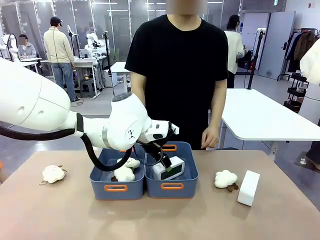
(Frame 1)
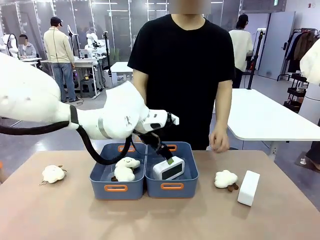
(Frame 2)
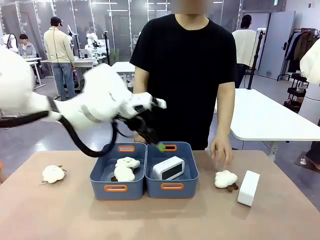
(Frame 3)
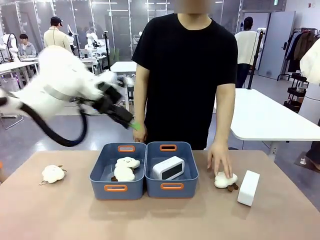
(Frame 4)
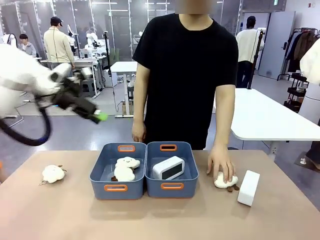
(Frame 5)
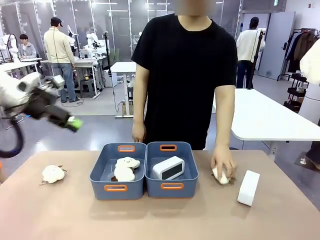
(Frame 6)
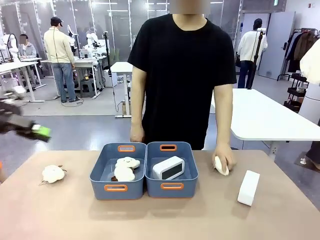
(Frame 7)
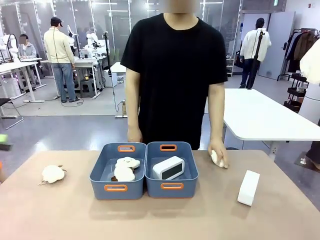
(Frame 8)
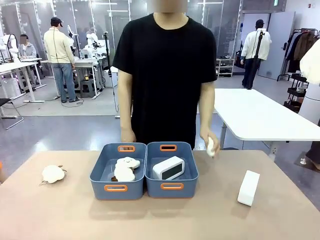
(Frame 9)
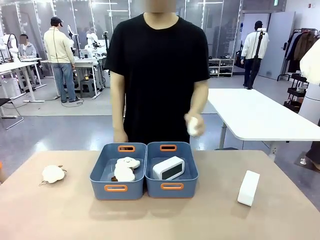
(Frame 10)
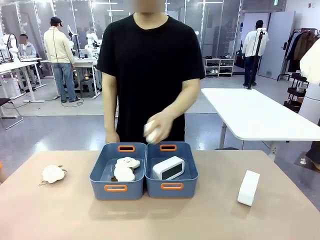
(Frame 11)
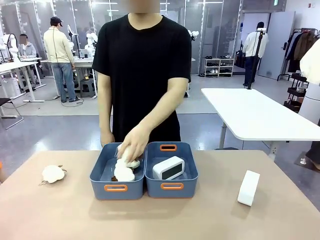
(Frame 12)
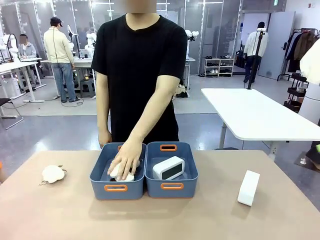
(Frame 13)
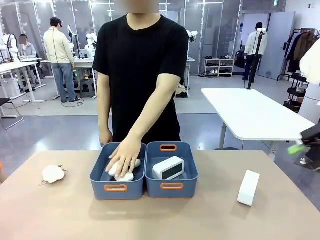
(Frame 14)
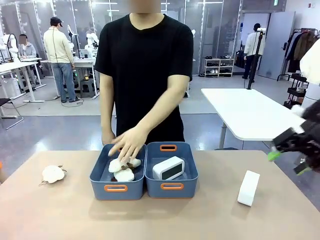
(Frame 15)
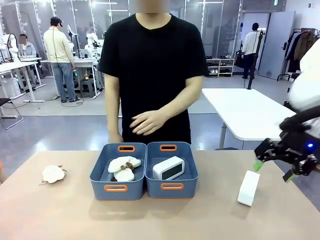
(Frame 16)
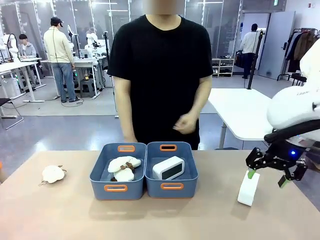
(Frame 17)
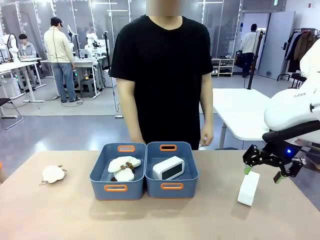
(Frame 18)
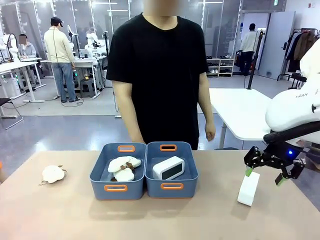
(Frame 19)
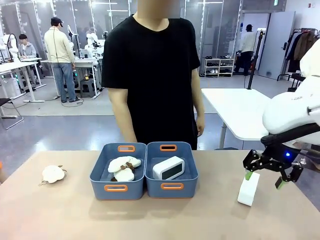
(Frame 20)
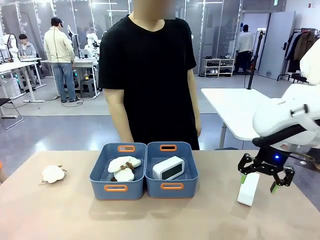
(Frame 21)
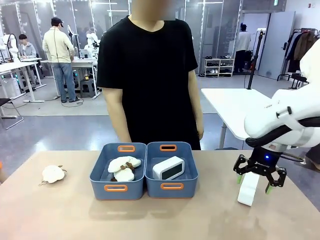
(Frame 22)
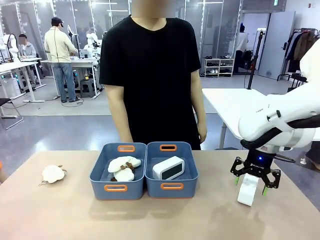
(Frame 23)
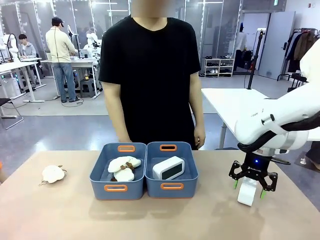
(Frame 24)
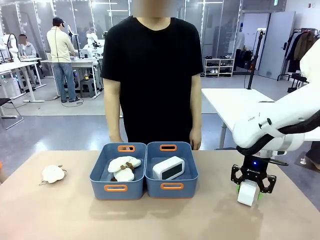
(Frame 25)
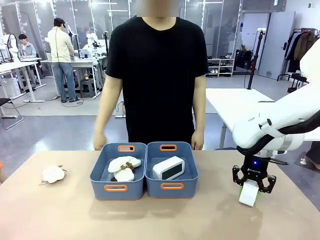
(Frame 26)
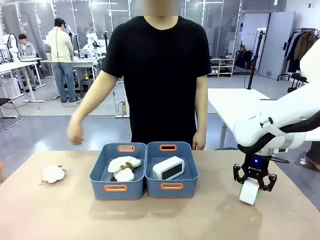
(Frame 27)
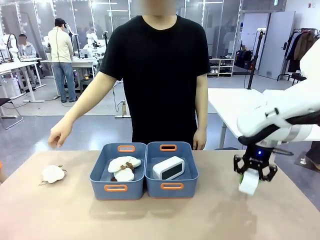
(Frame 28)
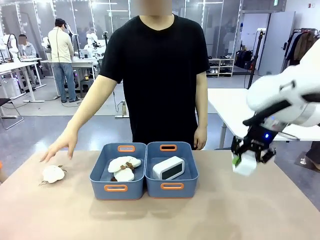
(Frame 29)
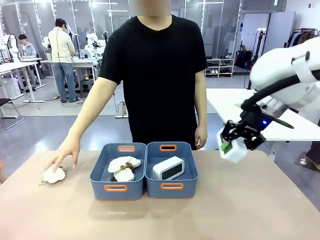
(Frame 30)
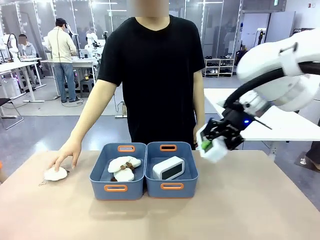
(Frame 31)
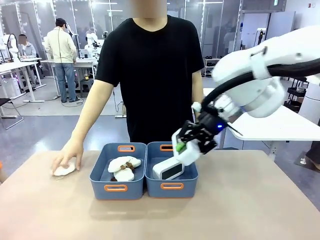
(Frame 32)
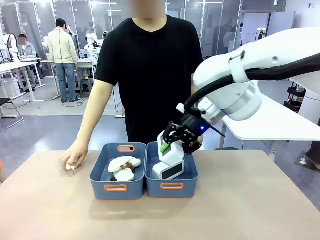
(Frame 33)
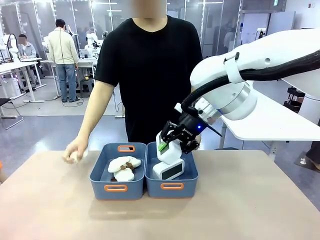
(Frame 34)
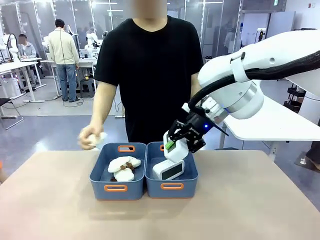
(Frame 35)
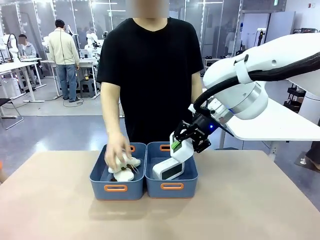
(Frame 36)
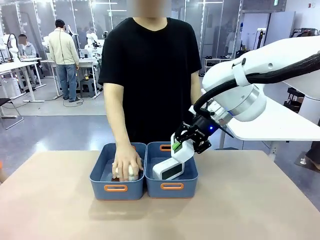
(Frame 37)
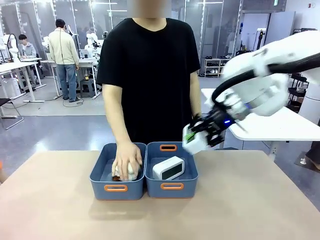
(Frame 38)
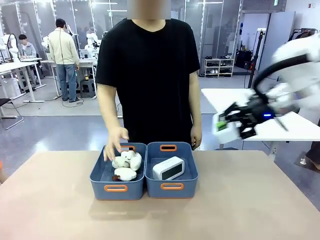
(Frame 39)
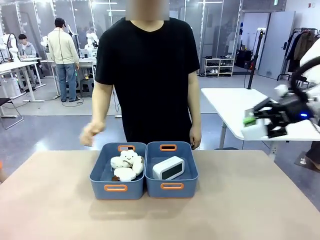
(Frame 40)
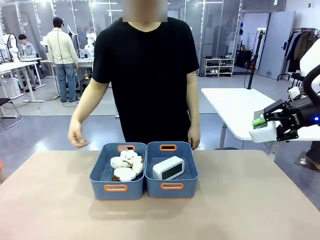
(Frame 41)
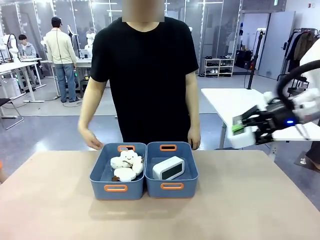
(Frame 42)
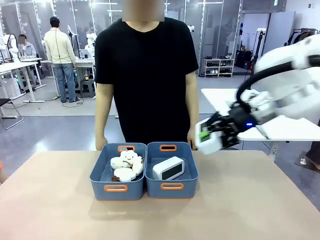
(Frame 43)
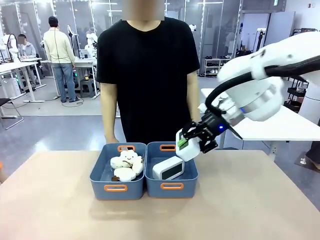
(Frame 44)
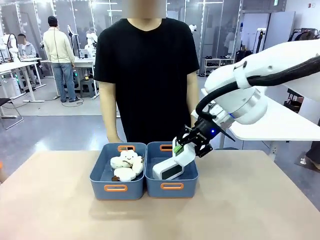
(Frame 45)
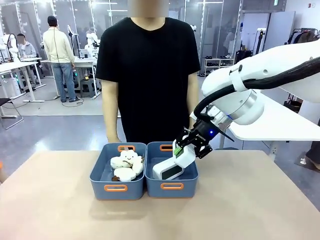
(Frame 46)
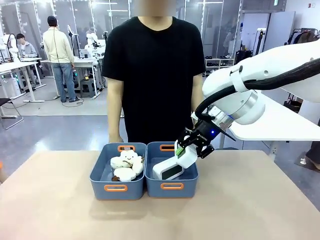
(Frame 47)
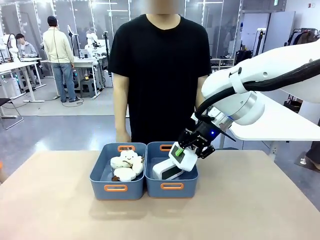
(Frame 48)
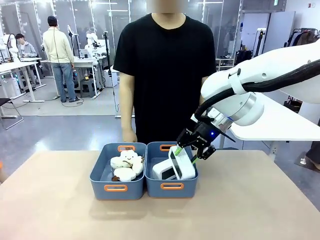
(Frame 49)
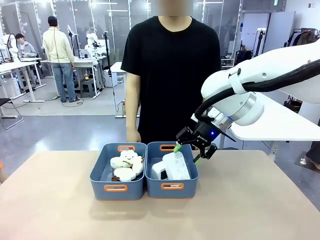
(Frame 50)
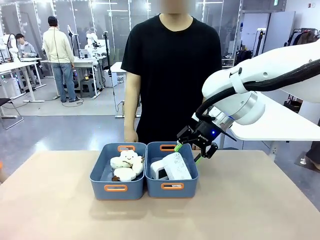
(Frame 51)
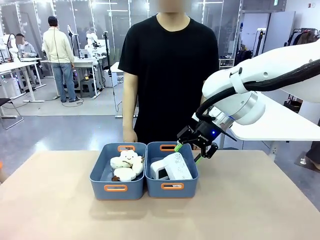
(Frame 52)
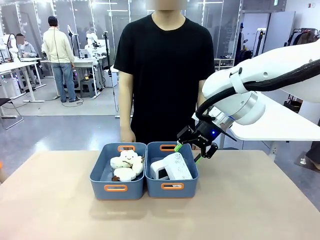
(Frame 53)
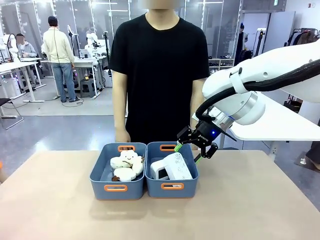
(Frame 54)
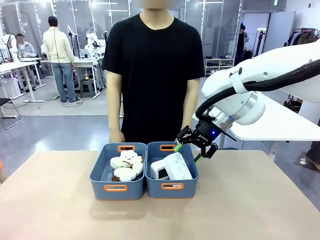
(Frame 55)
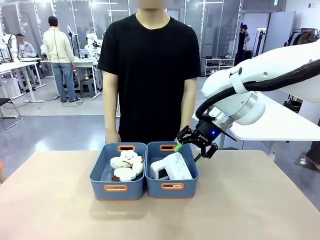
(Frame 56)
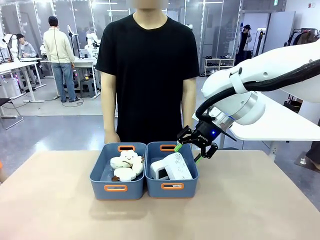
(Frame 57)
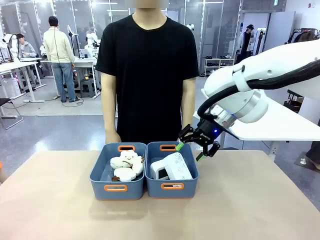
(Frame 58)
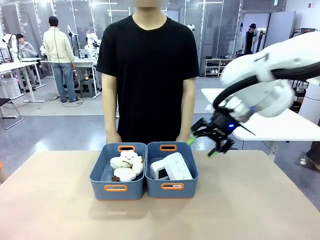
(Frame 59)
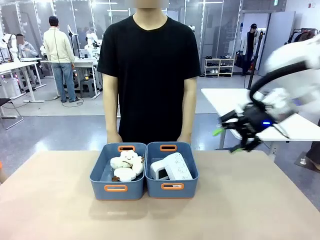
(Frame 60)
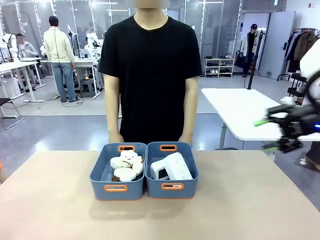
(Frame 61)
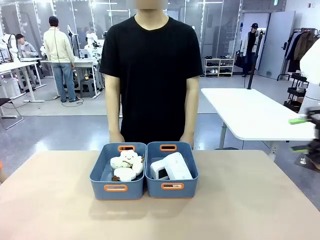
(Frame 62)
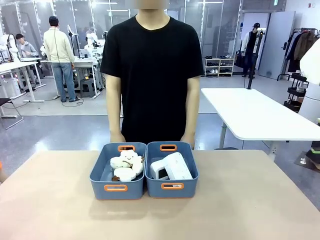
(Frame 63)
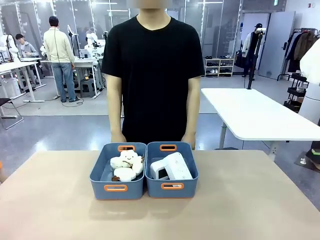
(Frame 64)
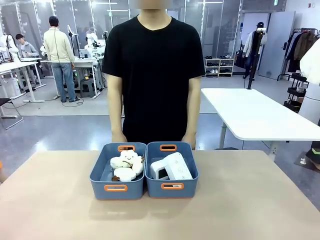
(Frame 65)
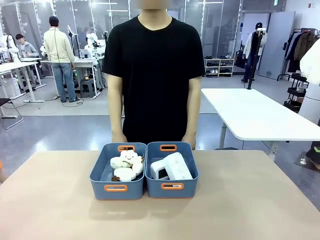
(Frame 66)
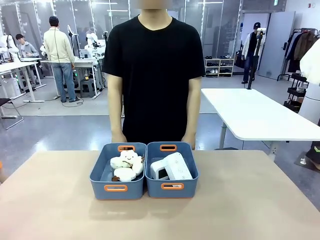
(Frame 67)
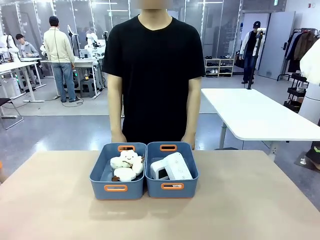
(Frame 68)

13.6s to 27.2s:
Task: Sort the digital clocks into the basket.
Robot: Pick up the Digital clock from the table and place it into the empty Plastic storage basket.
Person: Pick up a plush toy from the table and place it in the plastic storage basket containing the plush toy.
